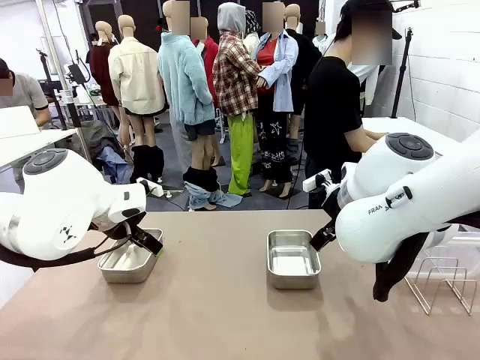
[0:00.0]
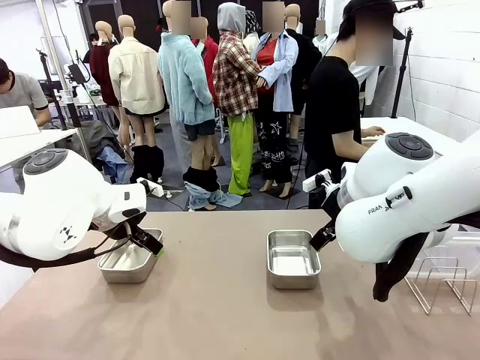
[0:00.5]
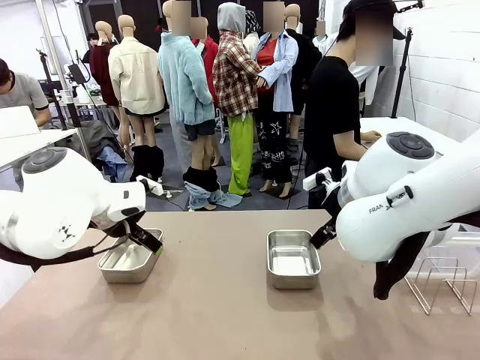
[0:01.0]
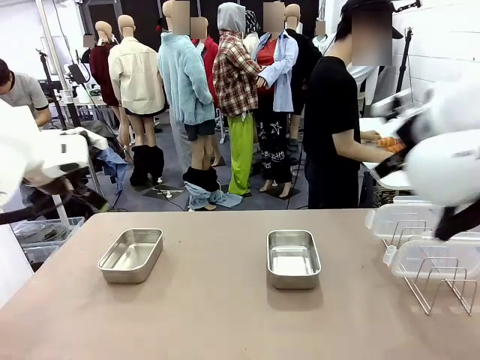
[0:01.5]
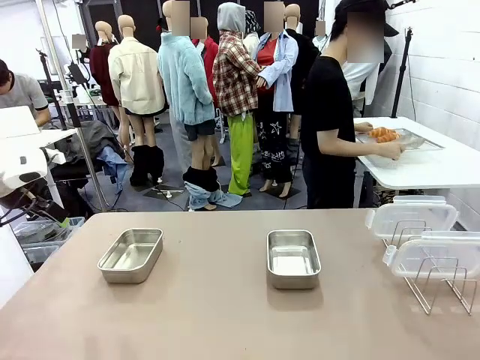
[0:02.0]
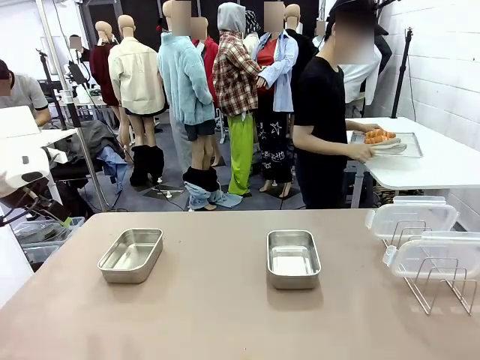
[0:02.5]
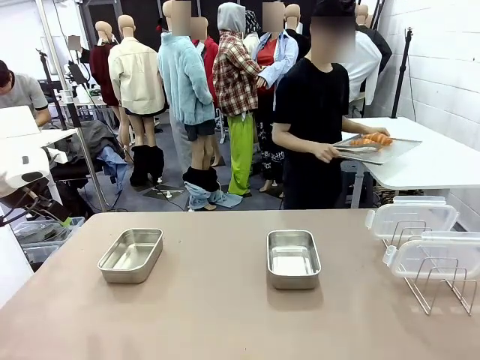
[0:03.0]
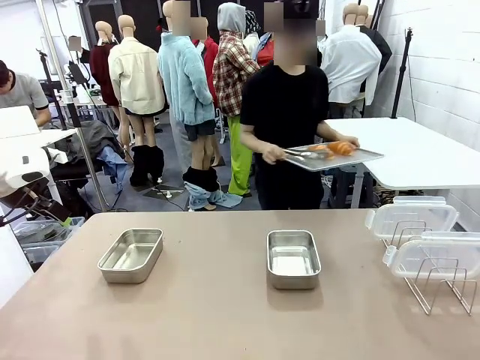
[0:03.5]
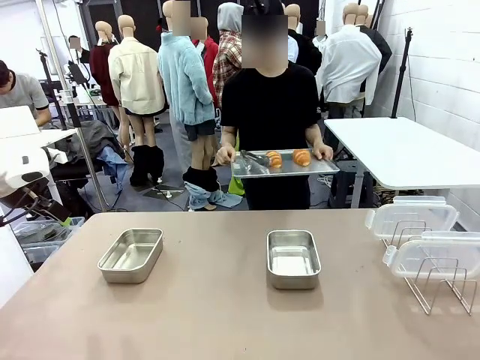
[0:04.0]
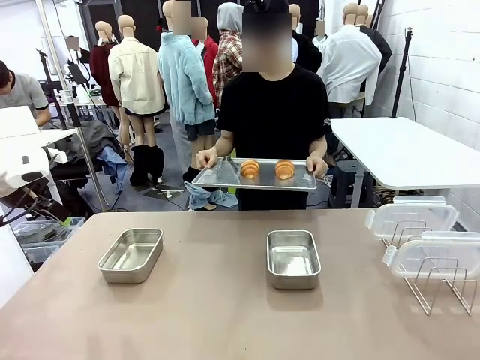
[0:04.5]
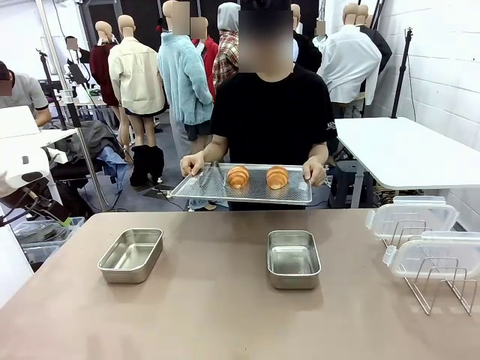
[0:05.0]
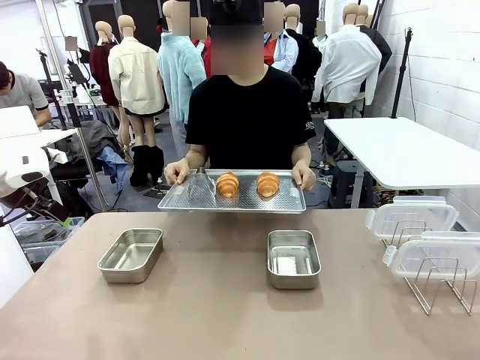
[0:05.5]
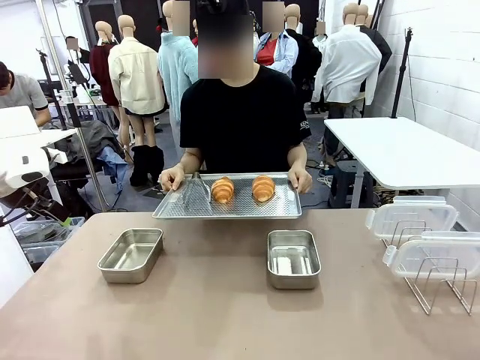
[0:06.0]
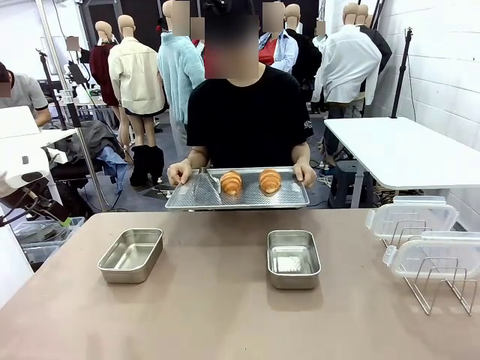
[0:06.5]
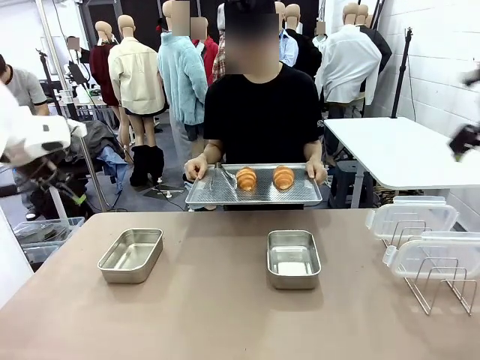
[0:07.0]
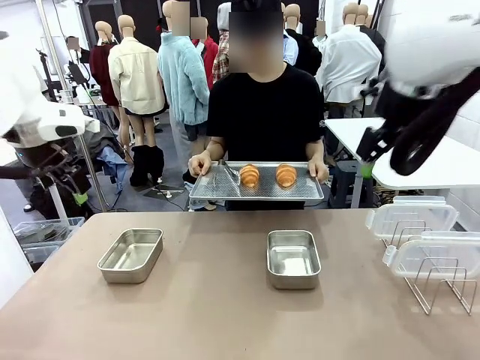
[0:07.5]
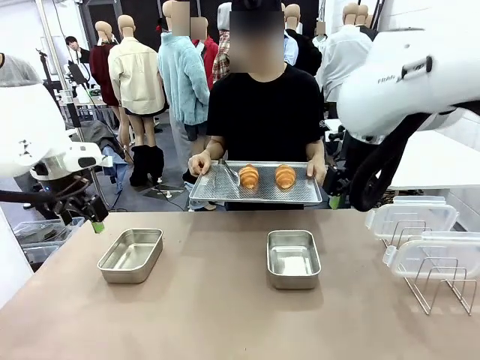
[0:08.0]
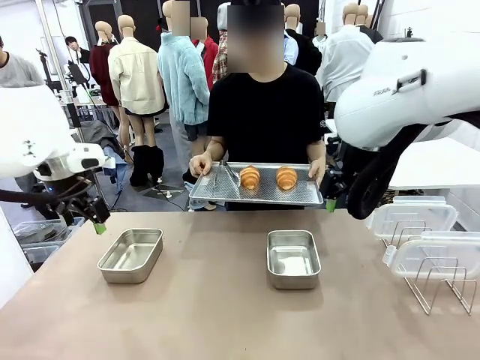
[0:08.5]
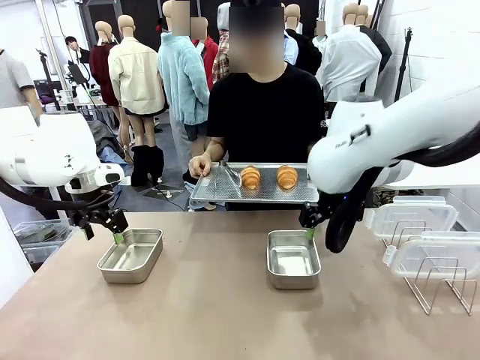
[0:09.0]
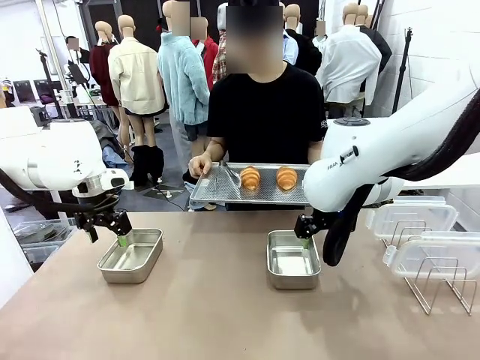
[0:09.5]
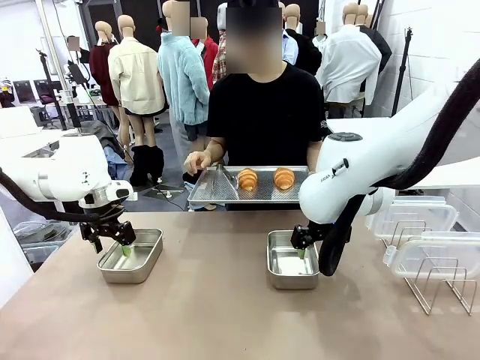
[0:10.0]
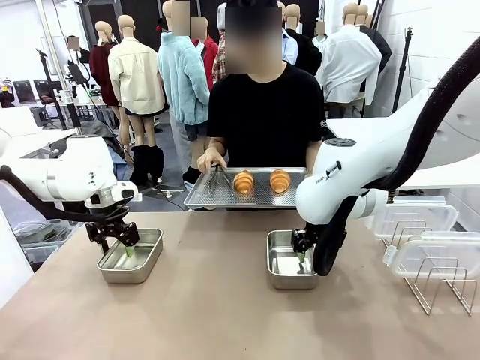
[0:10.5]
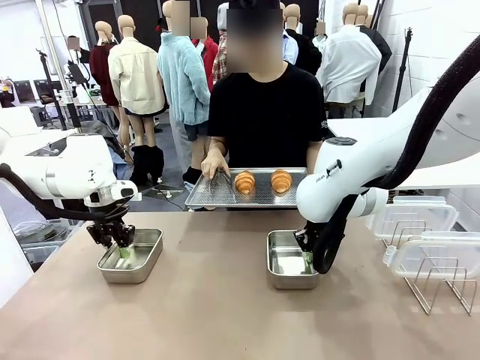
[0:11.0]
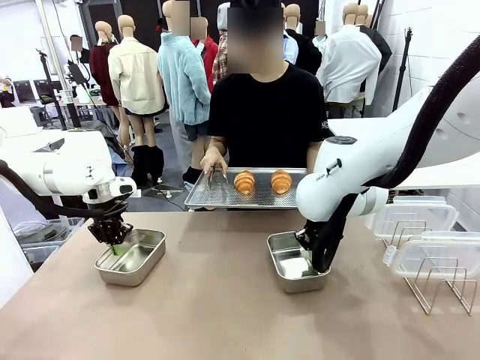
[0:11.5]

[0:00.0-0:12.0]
Task: Place the bread in airtight containers.
Robot: Lift both Airtight Container.
Person: Bring the Baking Sheet in front of Robot's Table.

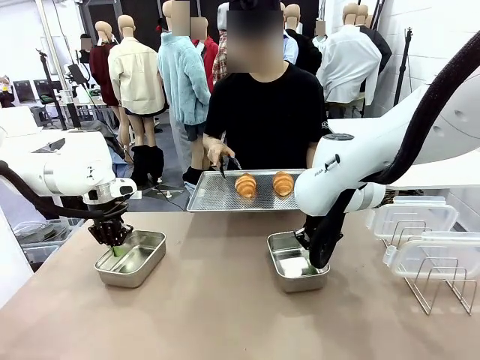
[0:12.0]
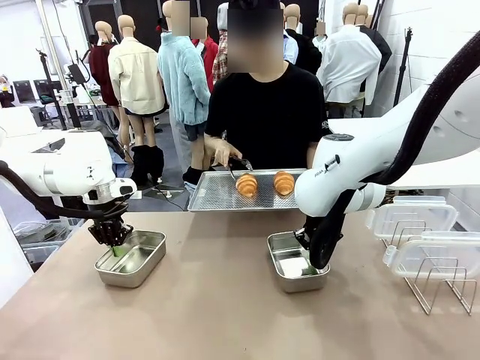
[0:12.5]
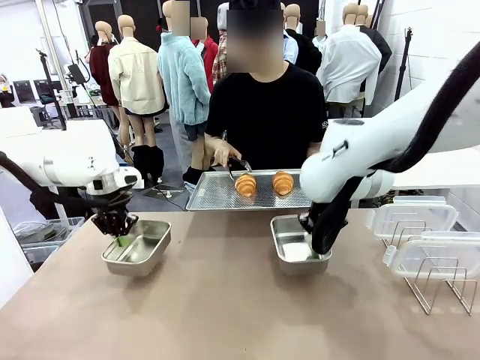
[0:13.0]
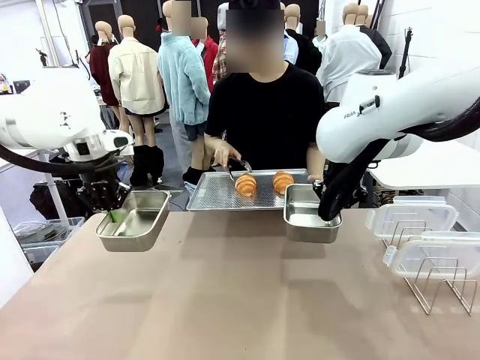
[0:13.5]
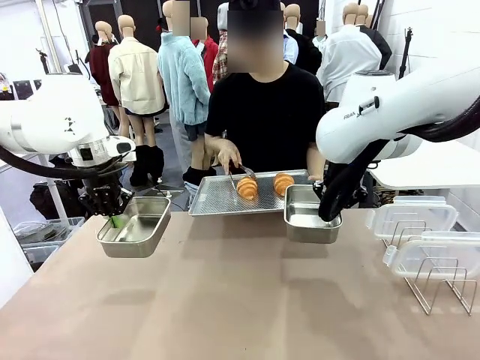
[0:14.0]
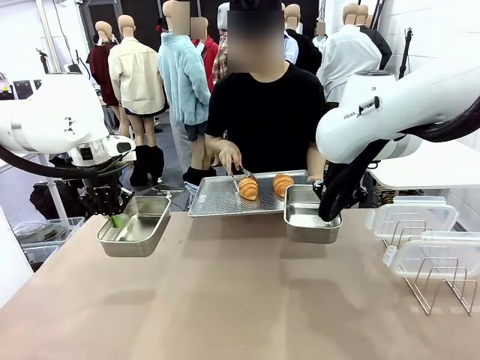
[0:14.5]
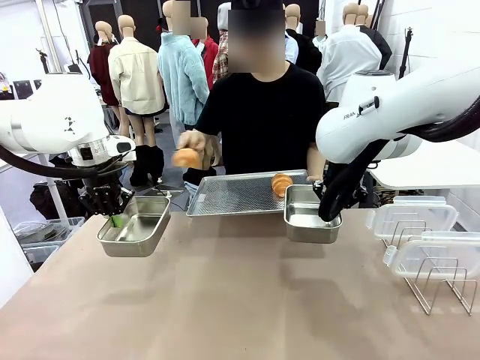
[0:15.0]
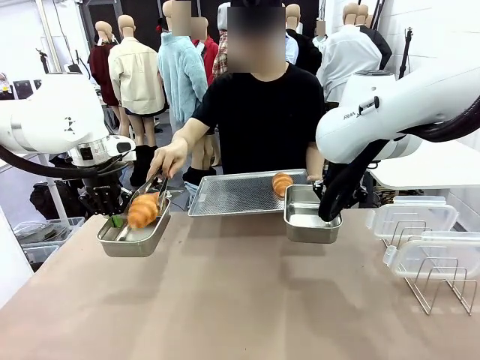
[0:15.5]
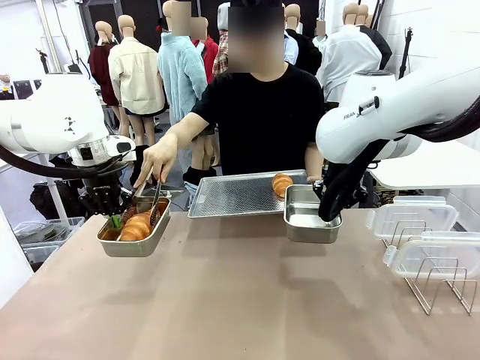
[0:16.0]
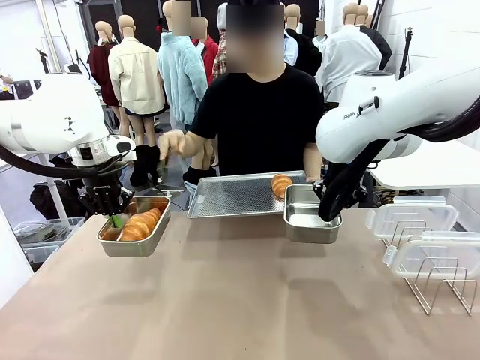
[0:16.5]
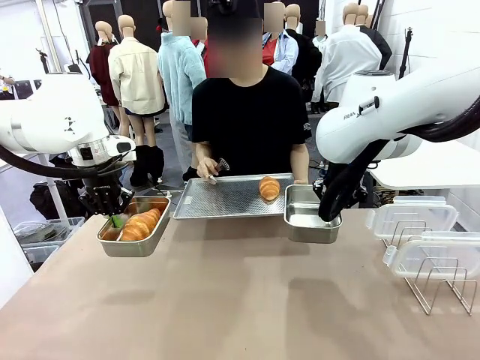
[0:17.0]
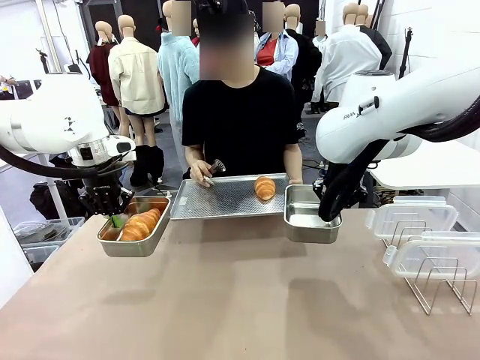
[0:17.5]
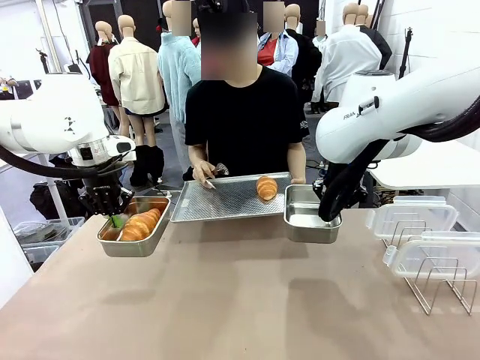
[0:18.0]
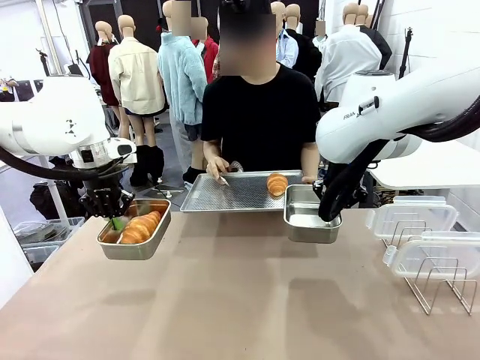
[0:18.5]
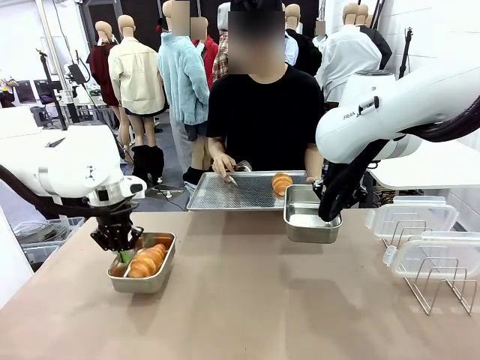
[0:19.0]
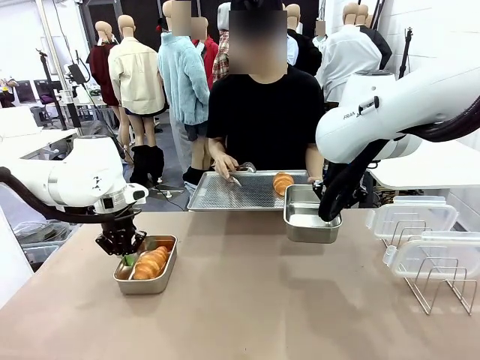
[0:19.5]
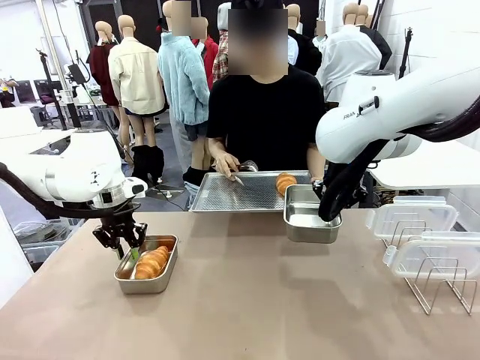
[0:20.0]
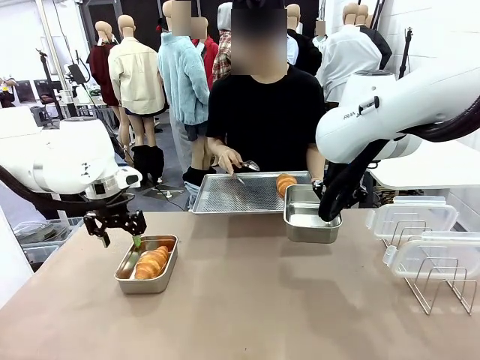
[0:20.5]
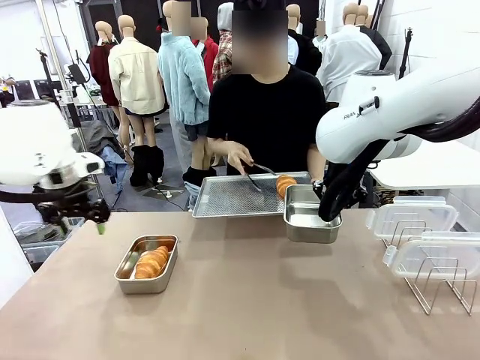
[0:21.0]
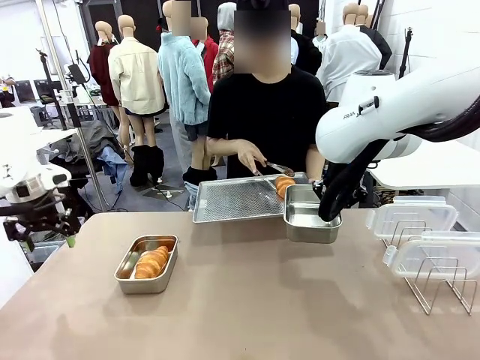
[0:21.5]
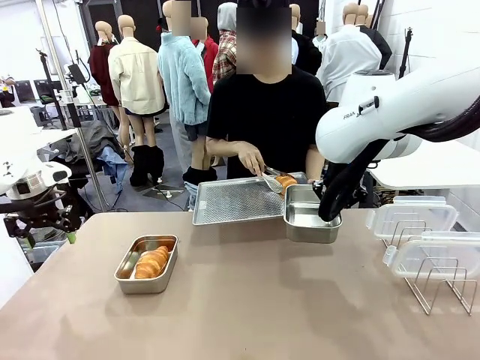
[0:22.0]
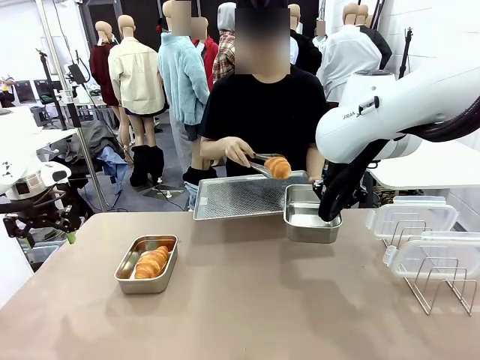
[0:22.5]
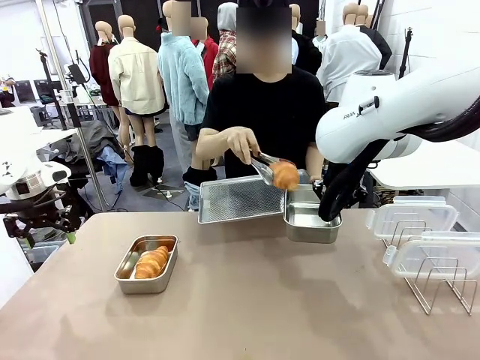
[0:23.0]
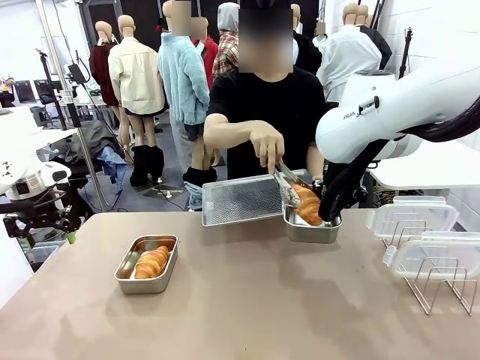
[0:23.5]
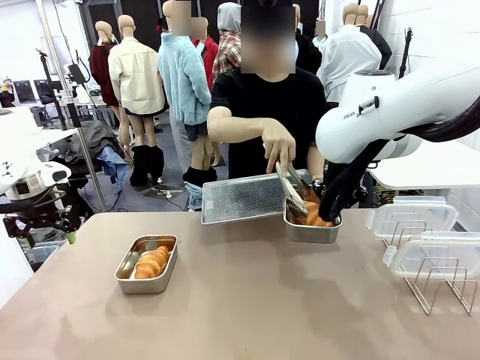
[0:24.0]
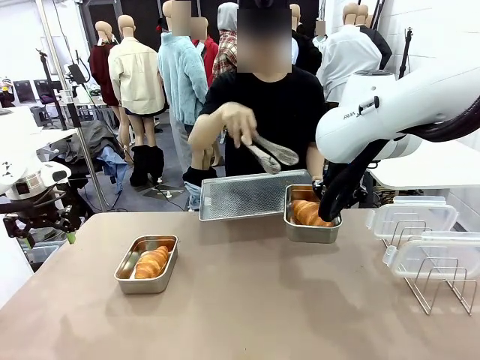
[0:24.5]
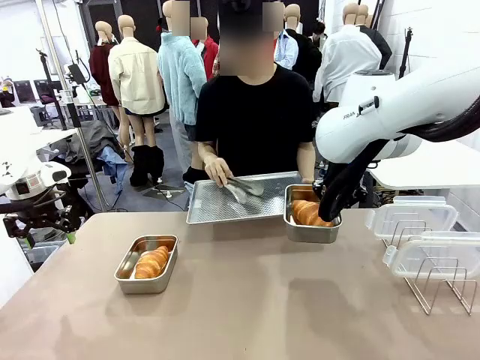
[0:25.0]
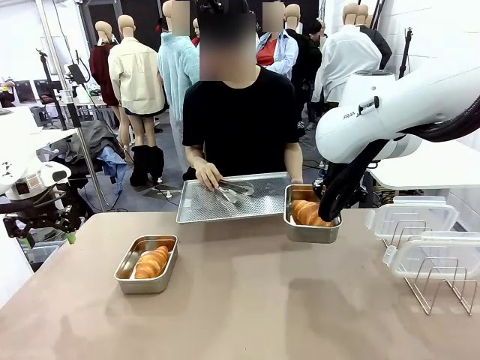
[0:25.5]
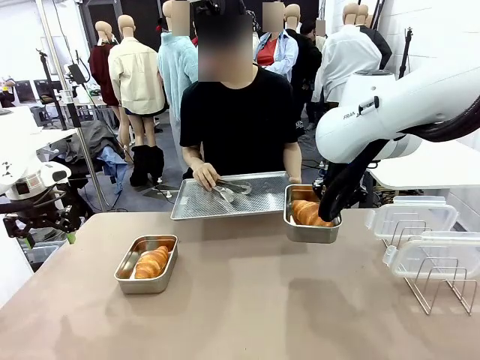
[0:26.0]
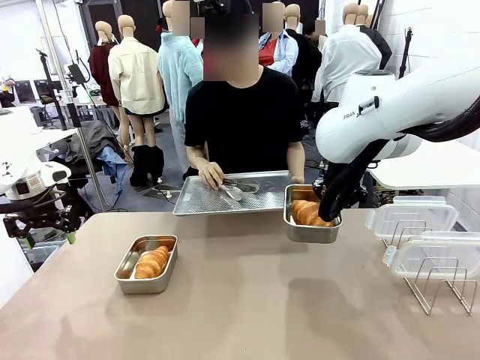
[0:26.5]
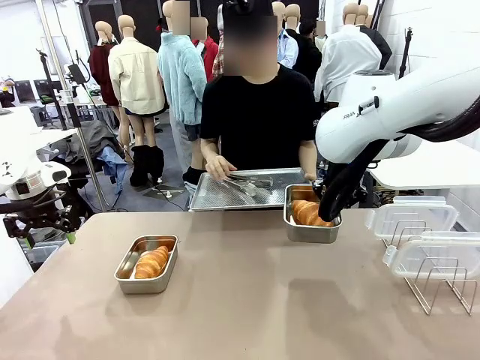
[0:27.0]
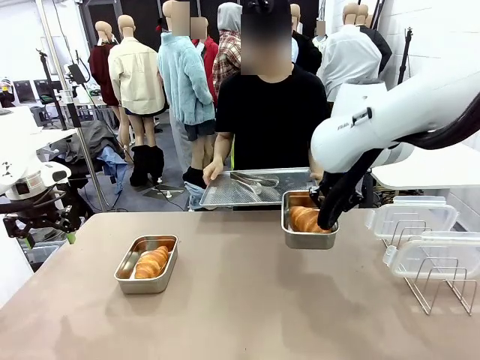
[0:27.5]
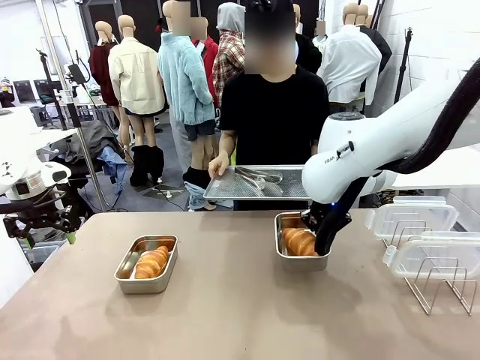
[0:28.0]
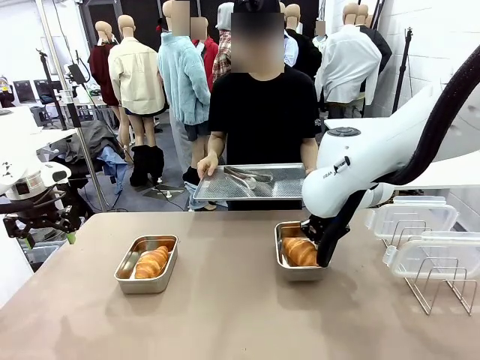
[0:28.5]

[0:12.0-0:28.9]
Robot: Once an object is inside an Airtight Container , place the container in the center of the table.
Person: Use the Stainless steel tongs to place one object from Baking Sheet into one Airtight Container.
